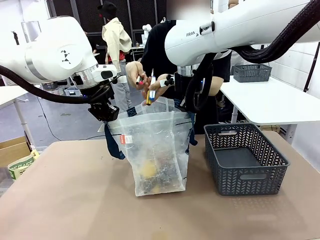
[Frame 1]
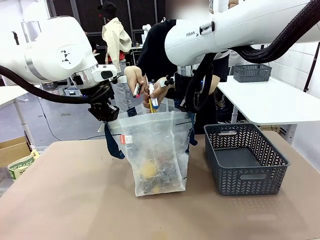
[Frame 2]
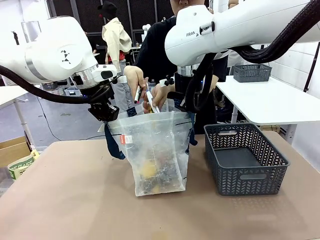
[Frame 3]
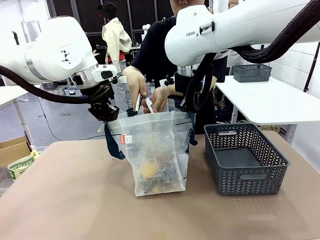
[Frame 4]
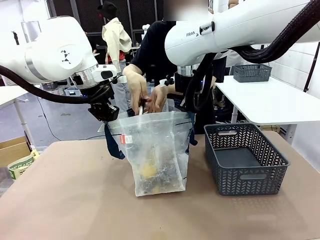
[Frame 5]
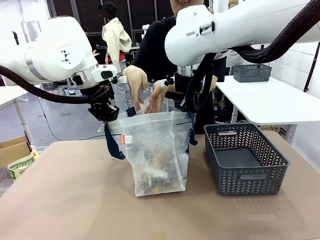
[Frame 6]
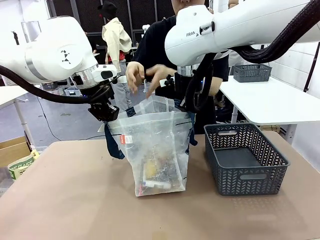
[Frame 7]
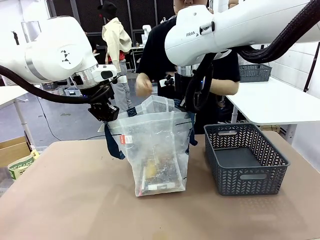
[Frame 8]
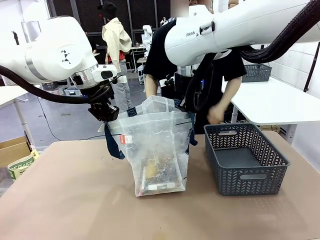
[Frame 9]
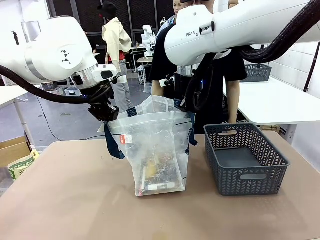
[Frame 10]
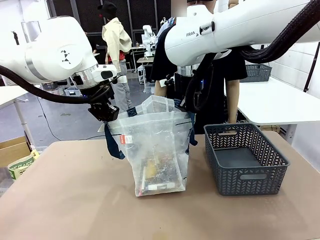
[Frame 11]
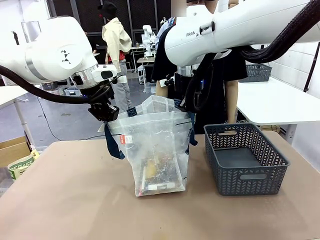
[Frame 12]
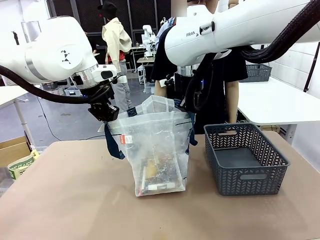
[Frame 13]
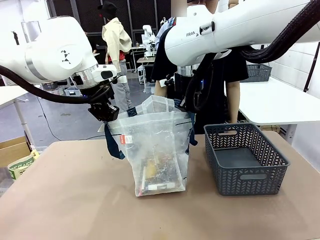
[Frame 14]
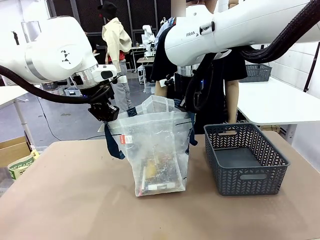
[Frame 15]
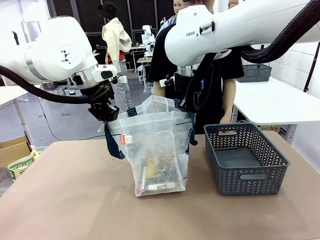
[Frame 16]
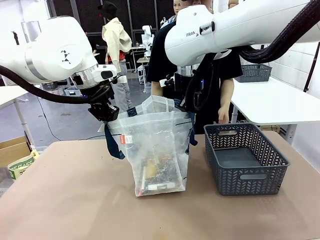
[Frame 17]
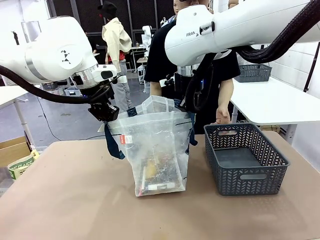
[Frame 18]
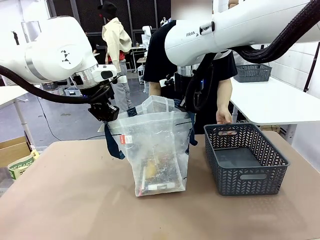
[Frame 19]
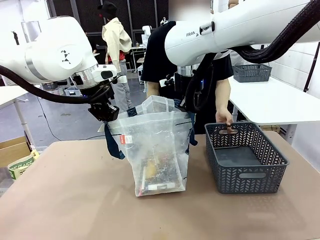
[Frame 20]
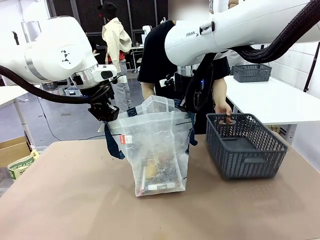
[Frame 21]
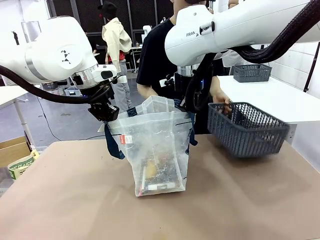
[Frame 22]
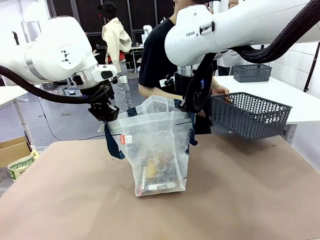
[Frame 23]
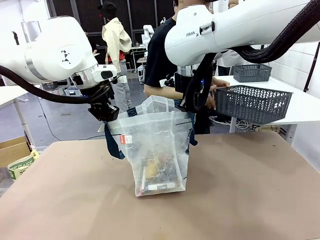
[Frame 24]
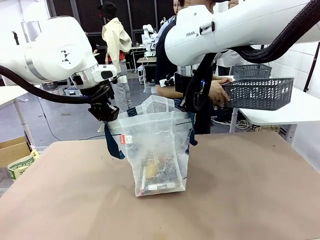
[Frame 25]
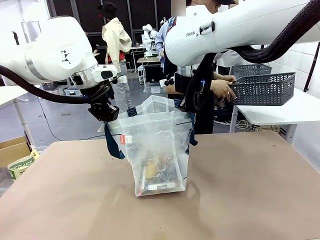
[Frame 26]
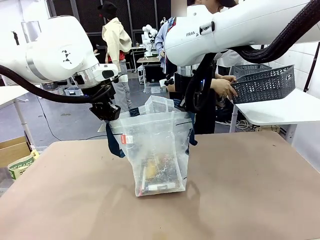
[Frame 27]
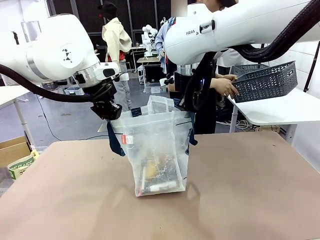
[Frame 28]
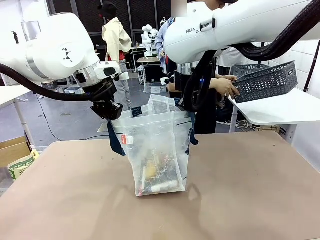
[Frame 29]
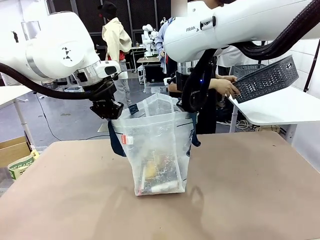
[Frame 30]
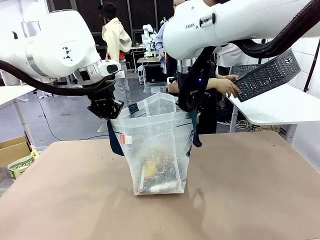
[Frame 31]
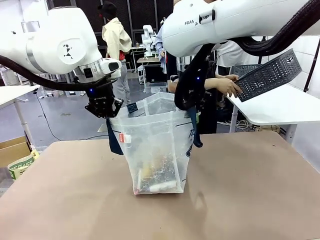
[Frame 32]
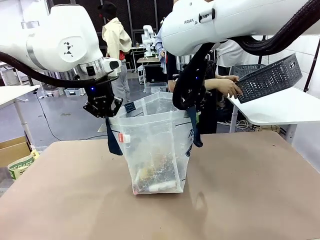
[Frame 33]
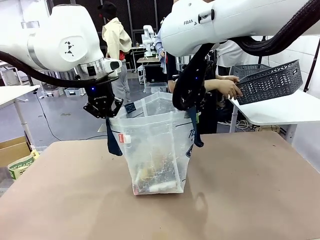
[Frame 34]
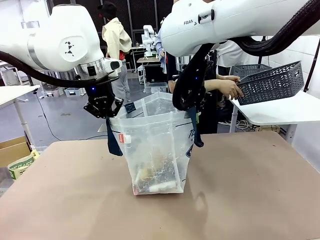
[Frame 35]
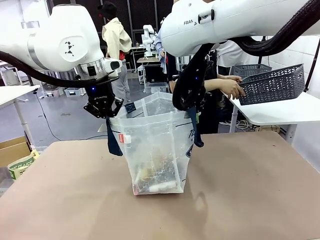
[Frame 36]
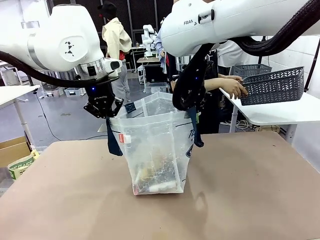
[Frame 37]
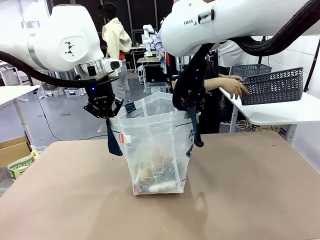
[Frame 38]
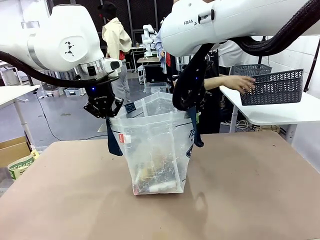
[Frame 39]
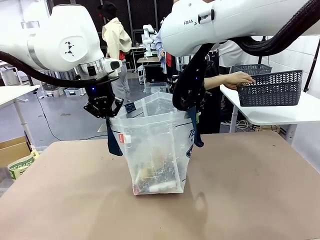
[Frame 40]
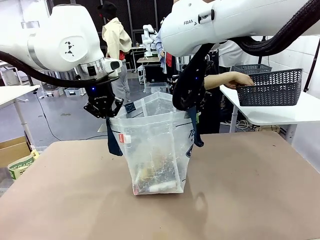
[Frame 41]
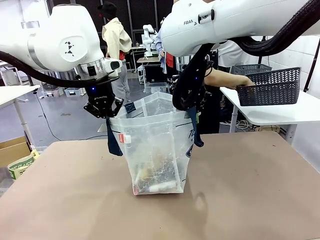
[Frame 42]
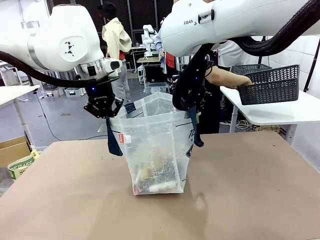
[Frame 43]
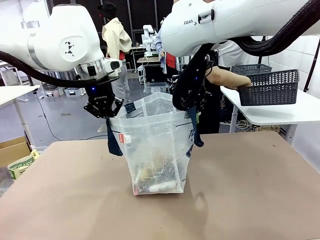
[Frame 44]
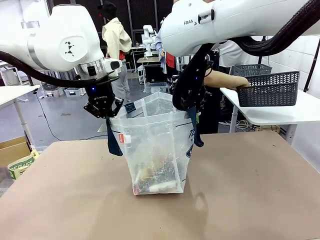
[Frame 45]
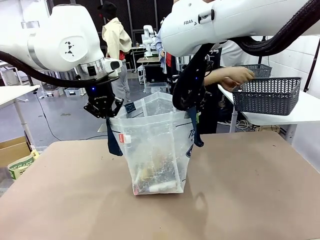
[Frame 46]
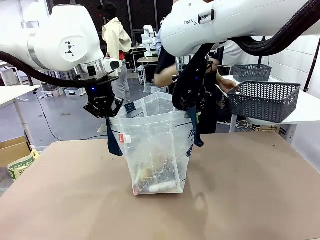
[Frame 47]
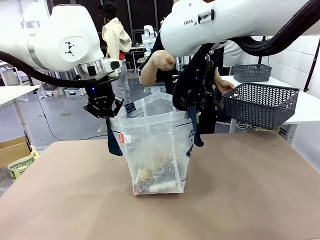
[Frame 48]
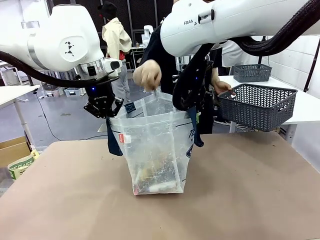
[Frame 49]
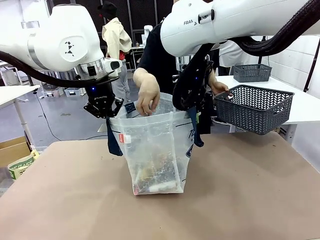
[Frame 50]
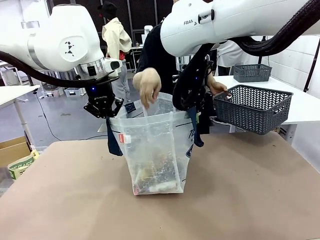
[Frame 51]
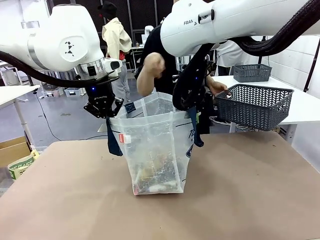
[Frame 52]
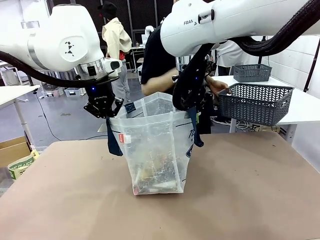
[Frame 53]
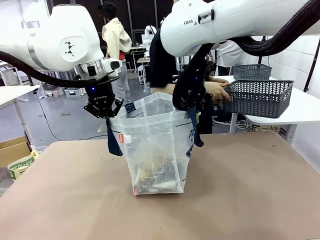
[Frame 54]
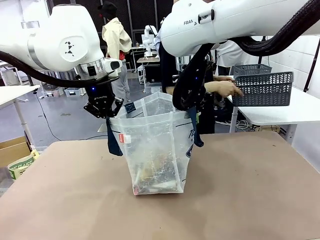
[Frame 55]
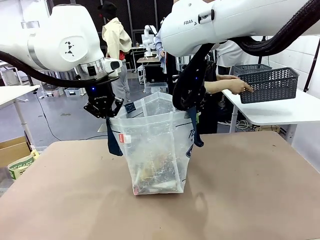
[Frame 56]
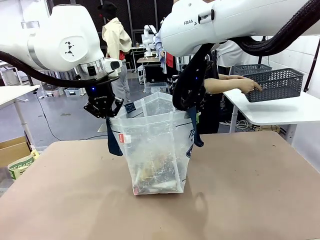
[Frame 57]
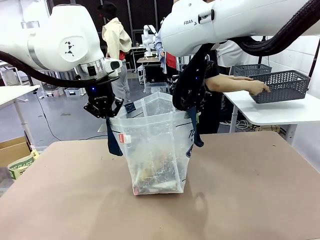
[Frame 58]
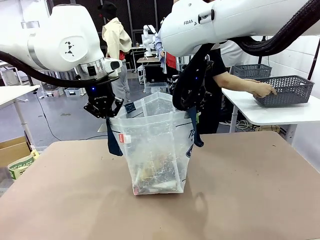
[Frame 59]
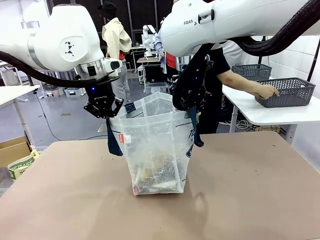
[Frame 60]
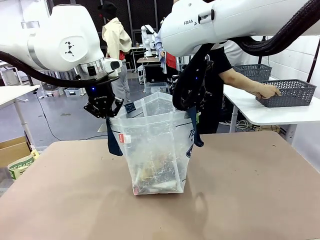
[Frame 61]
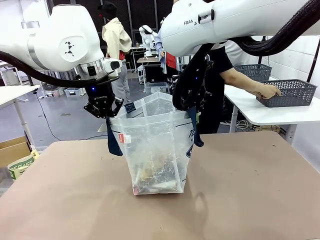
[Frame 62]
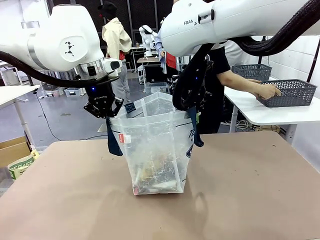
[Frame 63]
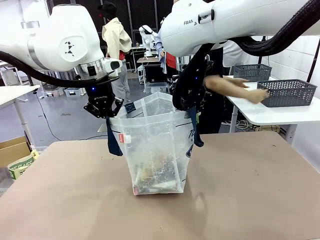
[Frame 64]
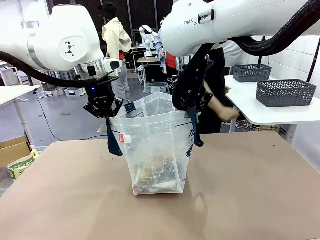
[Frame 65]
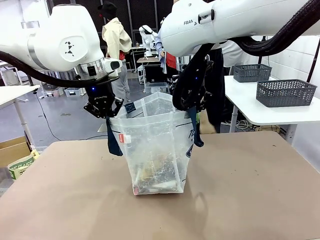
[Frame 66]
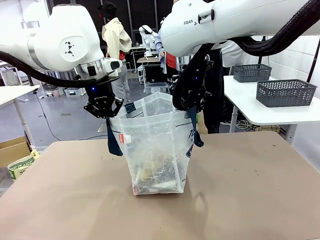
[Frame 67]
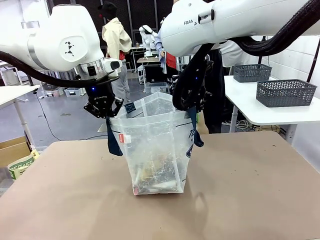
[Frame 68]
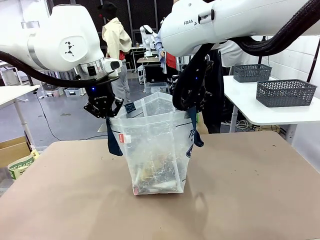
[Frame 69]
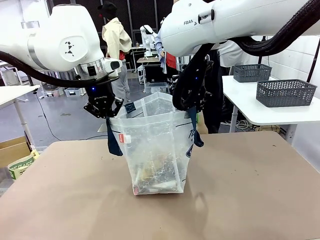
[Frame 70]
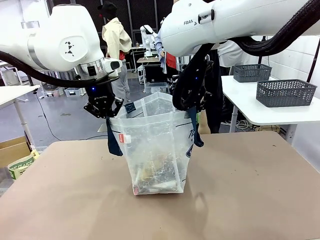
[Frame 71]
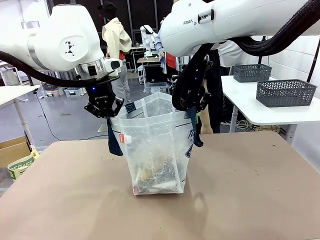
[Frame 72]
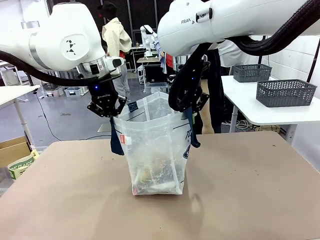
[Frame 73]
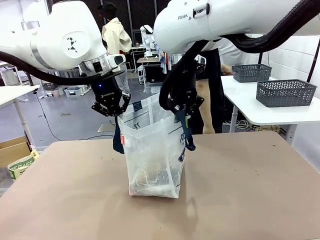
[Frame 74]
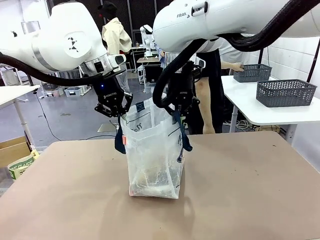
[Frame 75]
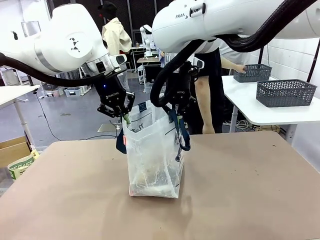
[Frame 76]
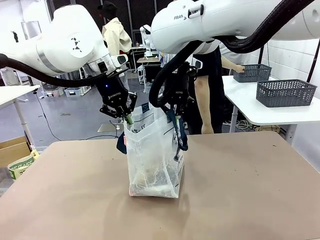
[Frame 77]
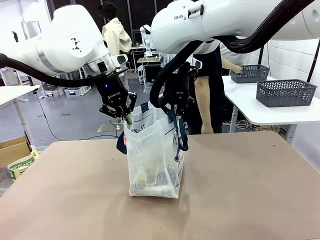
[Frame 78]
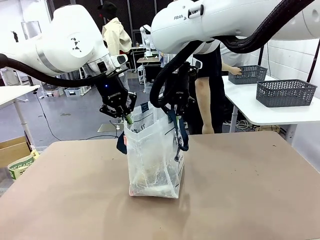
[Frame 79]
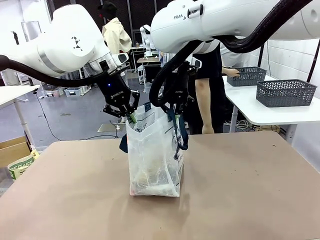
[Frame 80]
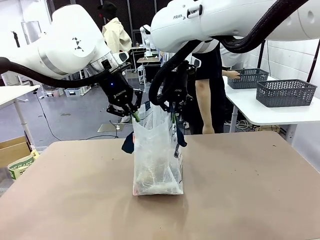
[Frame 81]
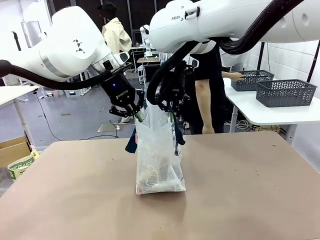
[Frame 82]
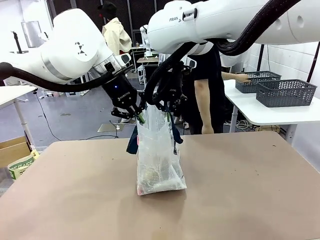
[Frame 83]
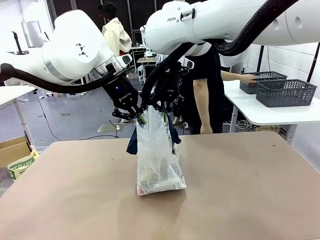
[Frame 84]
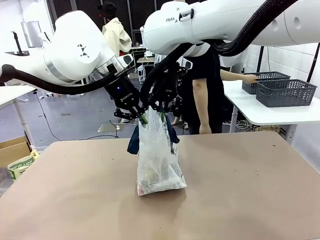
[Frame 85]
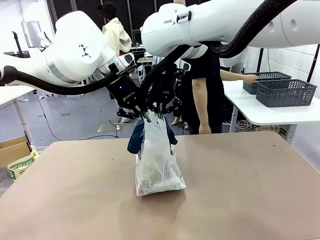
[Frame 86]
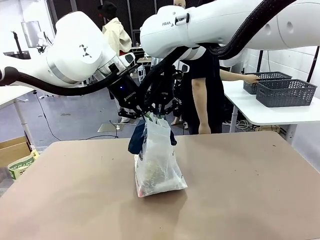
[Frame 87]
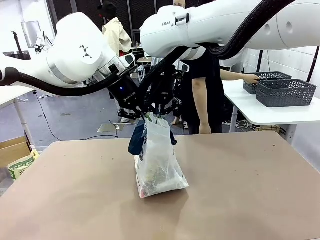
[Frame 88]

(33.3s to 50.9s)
Task: Transfer purchased items from the store into the shopping bag.
Robot: Move the Reusable shopping bag to the right side of the table.
Person: Pick up the basket with the items out and place it on the right side of the human table.
